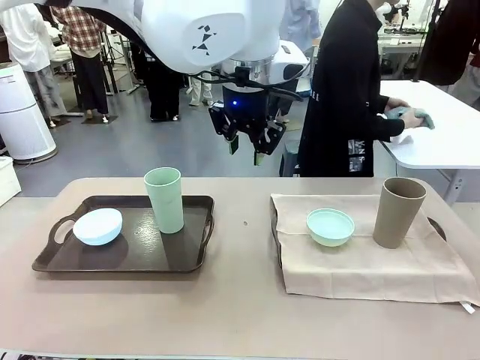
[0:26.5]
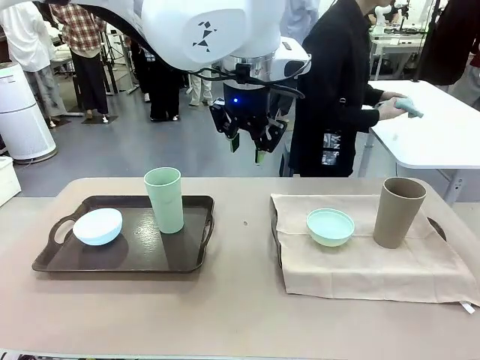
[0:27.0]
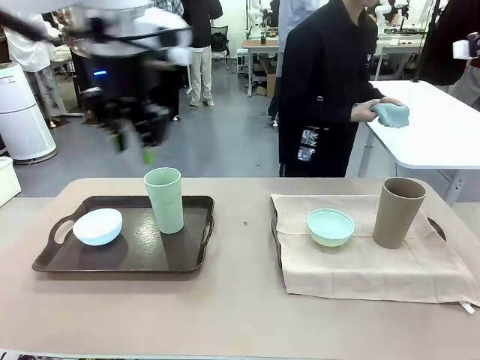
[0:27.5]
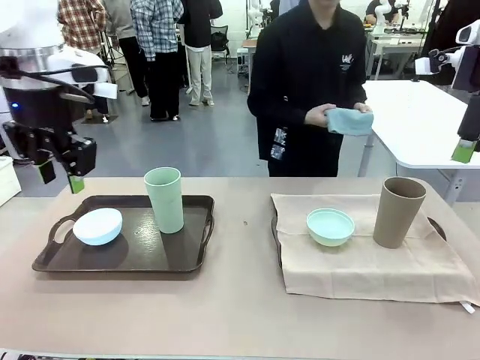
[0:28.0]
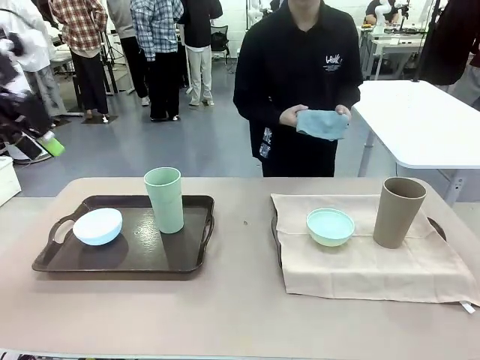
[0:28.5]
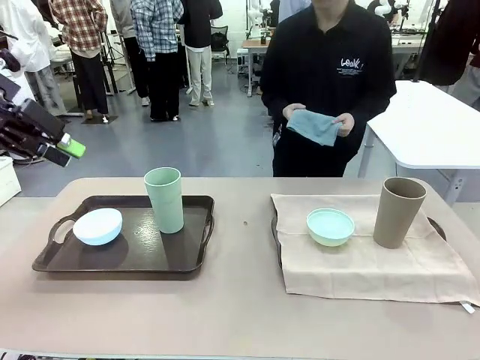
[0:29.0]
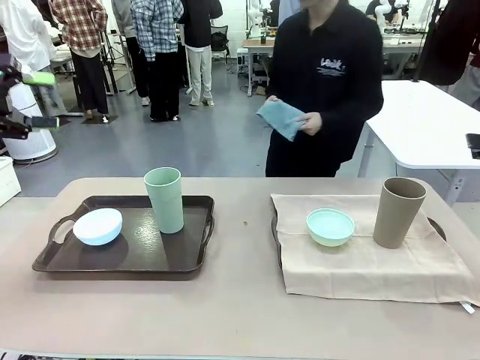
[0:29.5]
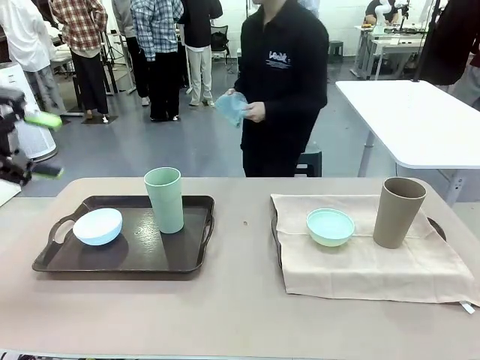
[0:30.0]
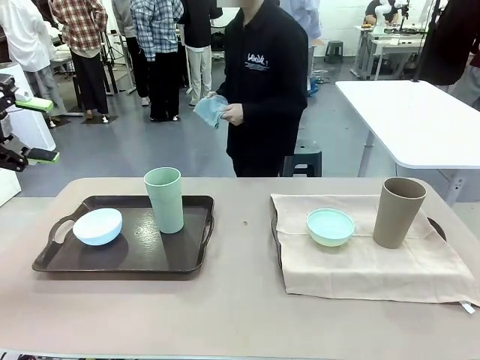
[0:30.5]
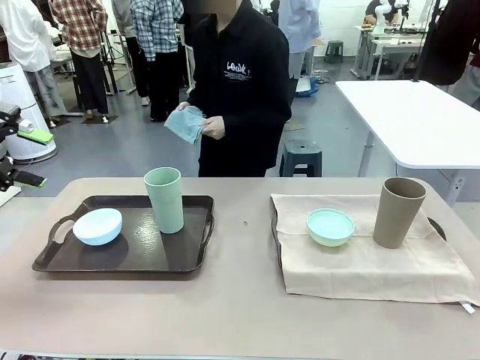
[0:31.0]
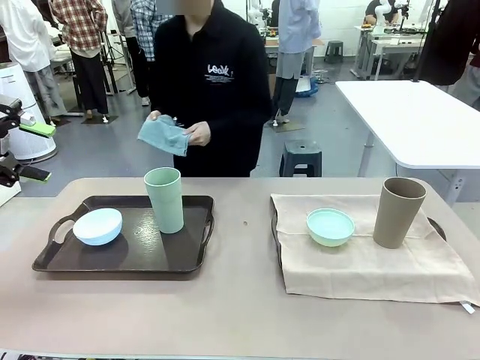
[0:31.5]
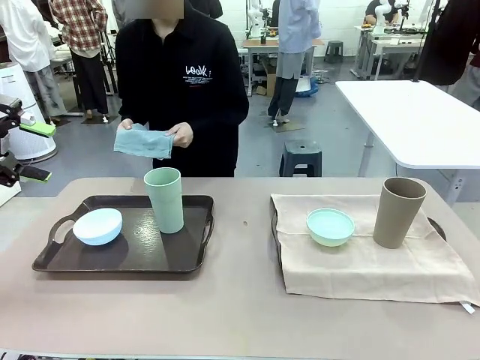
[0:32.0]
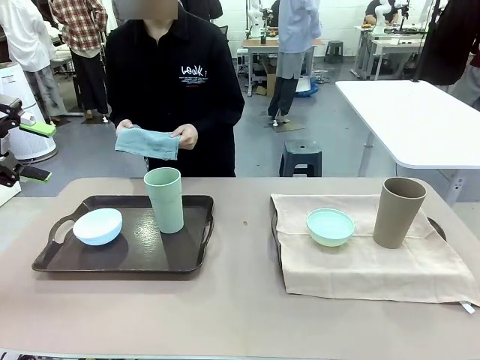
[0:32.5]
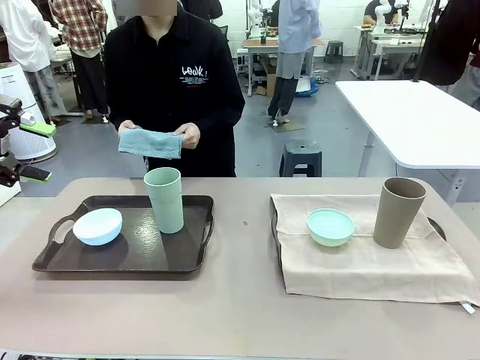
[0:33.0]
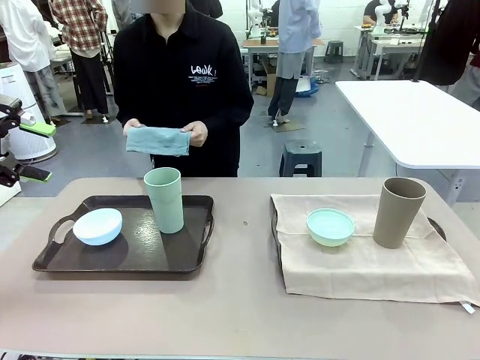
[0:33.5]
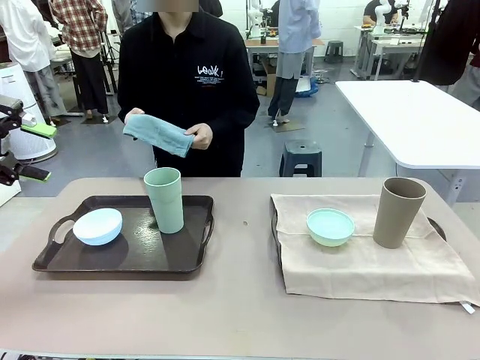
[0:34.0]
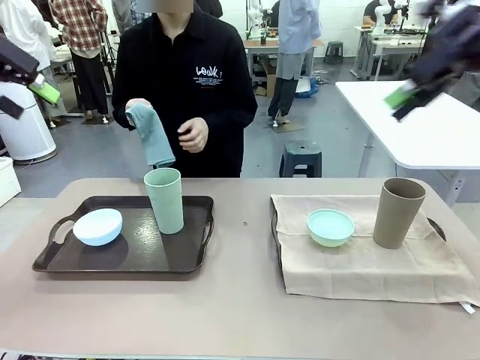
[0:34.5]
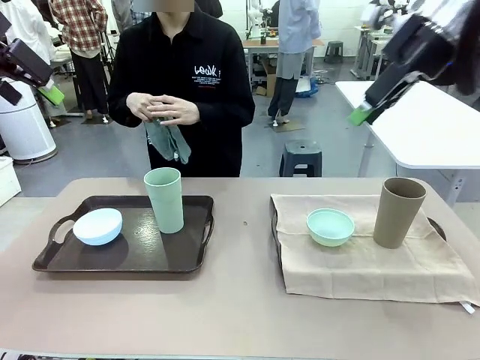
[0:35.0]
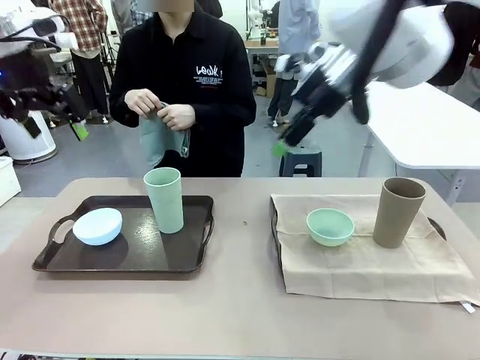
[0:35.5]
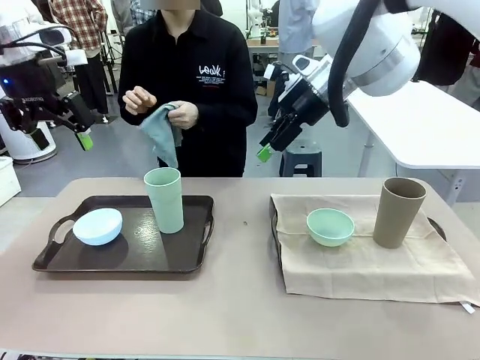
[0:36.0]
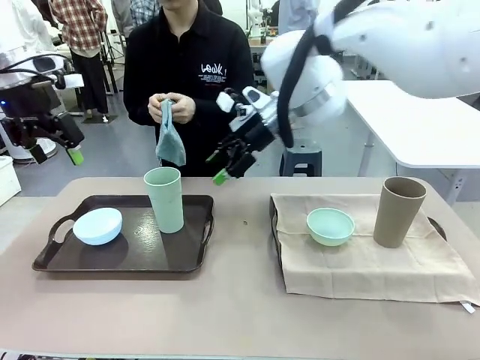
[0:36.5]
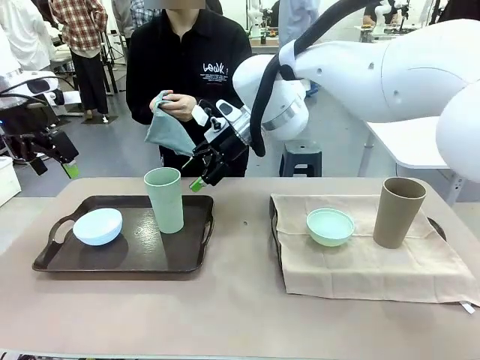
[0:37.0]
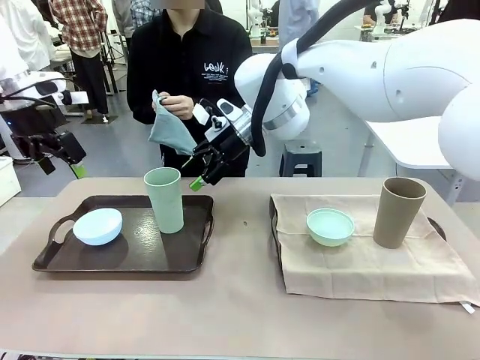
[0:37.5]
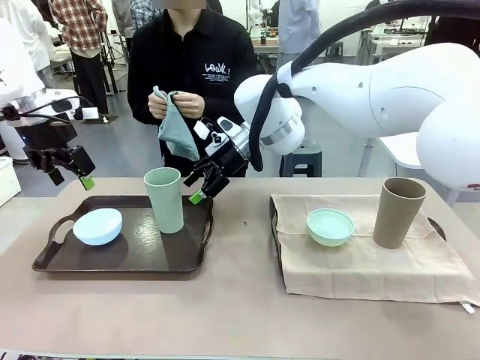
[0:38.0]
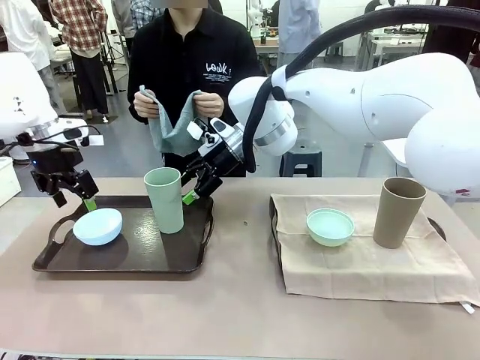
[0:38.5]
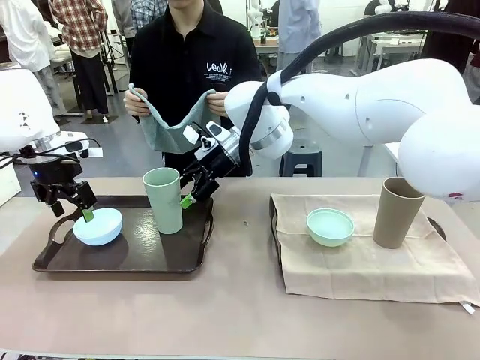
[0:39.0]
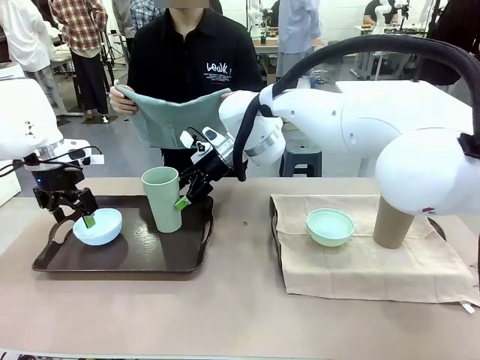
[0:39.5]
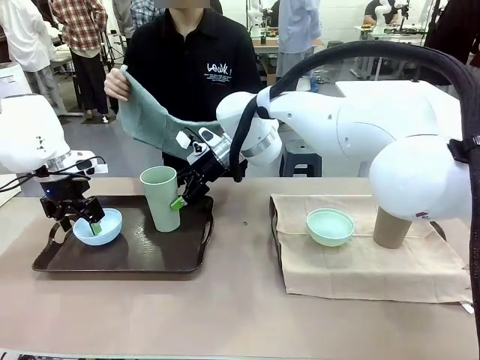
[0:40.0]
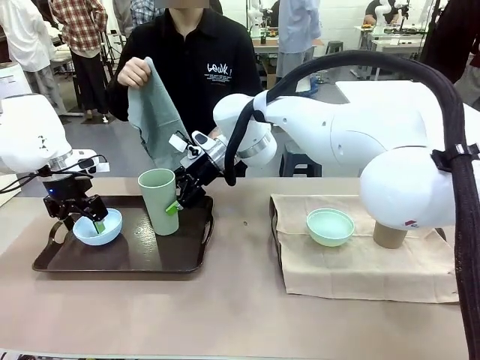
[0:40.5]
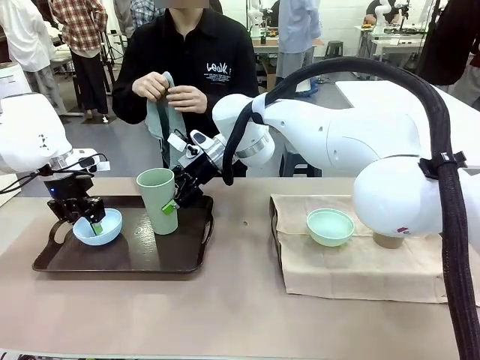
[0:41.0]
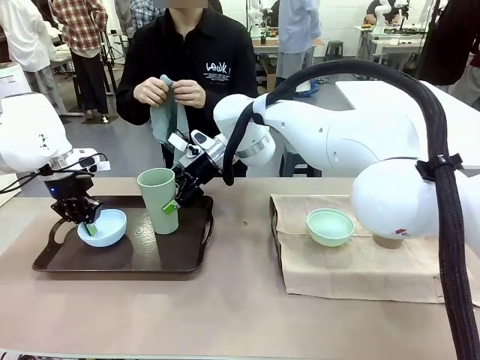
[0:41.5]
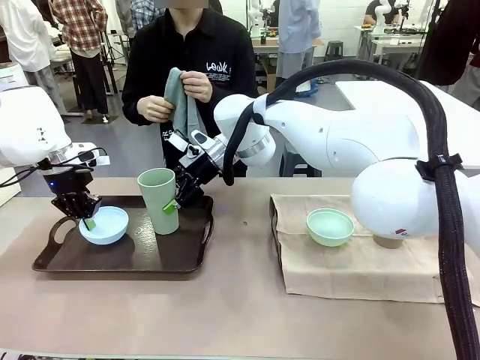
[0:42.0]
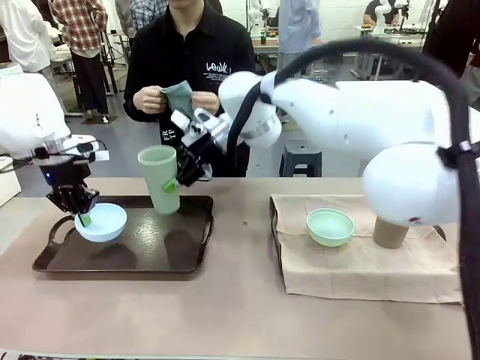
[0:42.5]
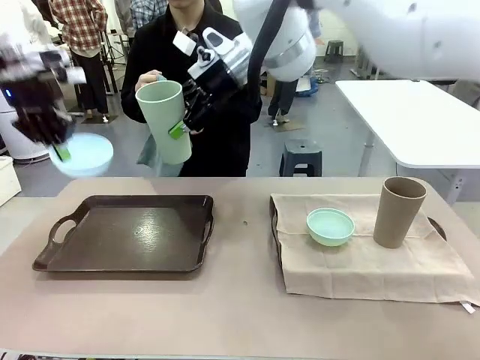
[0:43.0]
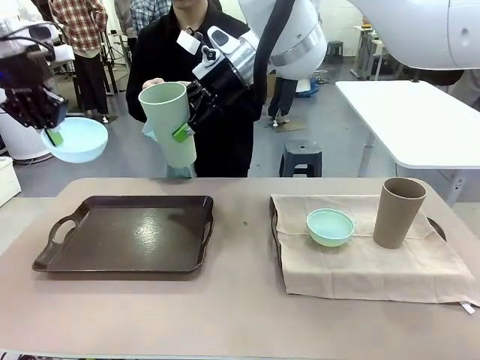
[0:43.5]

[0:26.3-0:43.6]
Robot: Pick up the Picnic Bowl and Reusable plastic cup from the Handle tray in front of the human's position and hold them in the air.
Person: The human returns to the human table to pick up another napkin and walks to the robot table to stand in front of the tray without a napkin.

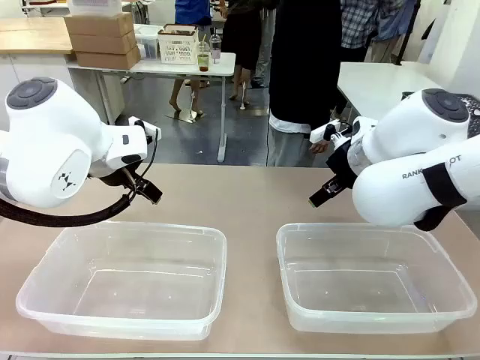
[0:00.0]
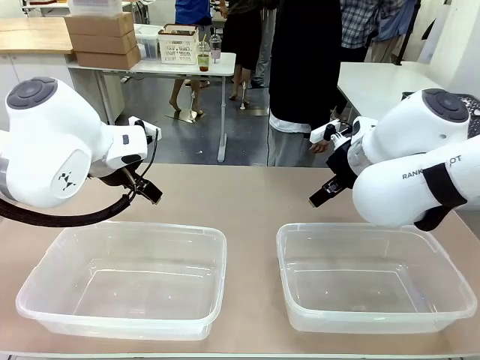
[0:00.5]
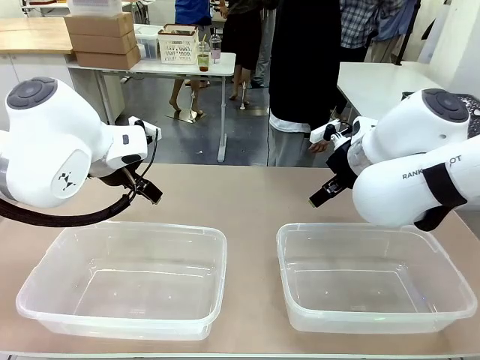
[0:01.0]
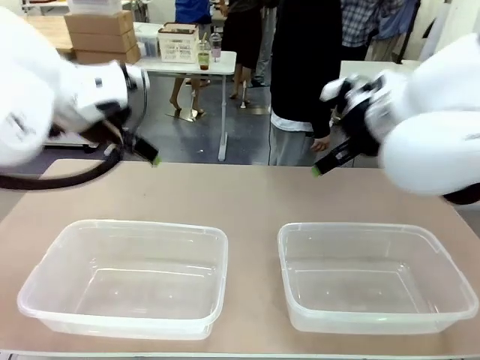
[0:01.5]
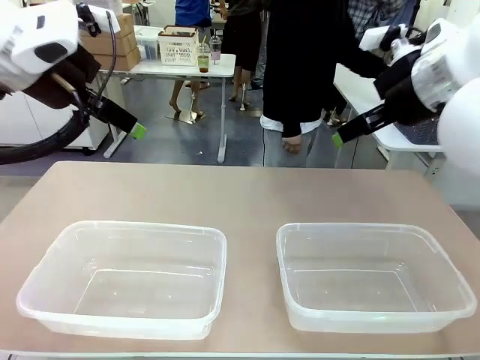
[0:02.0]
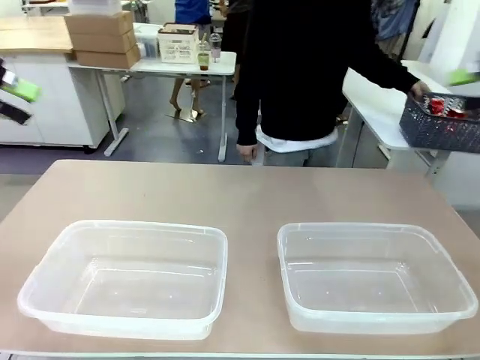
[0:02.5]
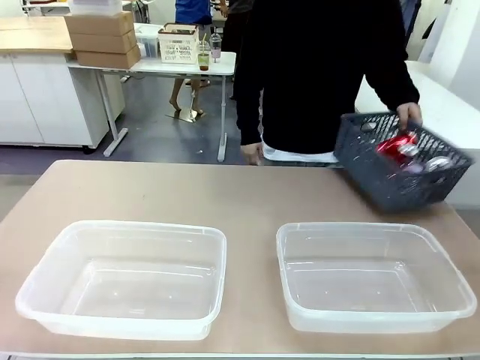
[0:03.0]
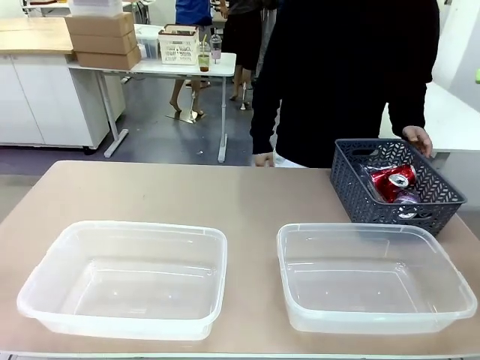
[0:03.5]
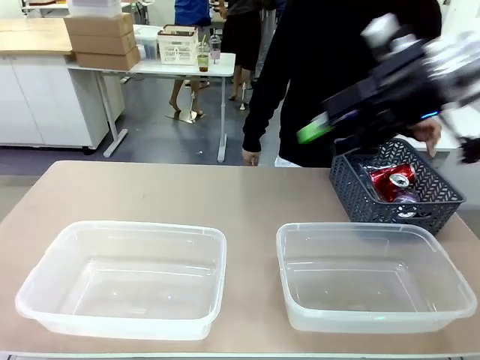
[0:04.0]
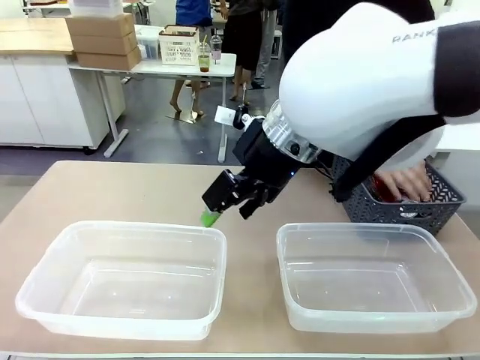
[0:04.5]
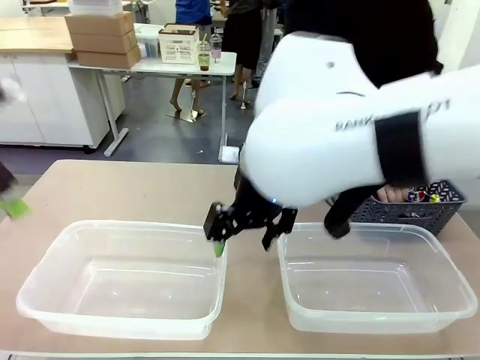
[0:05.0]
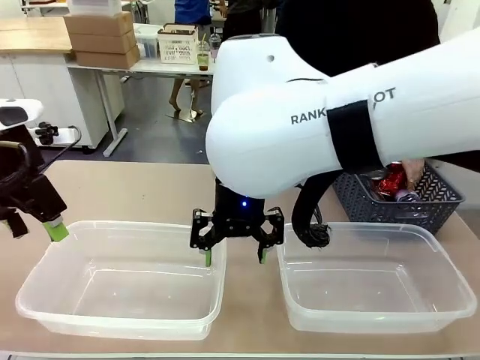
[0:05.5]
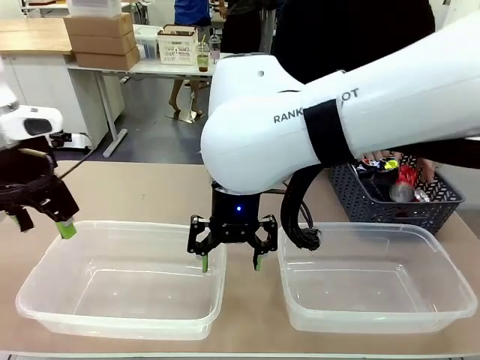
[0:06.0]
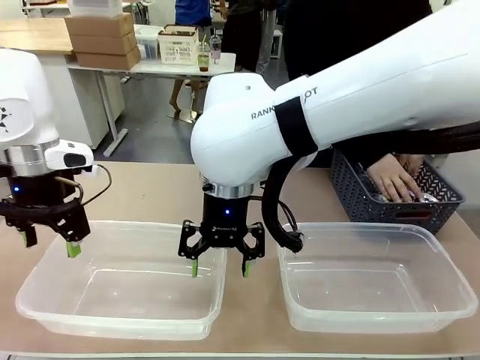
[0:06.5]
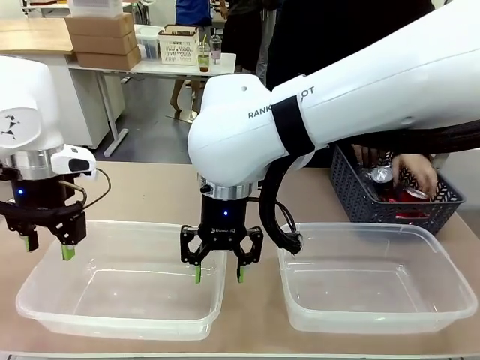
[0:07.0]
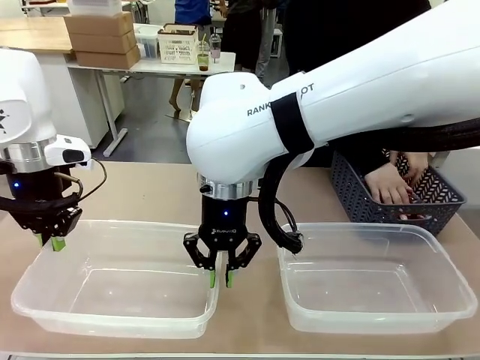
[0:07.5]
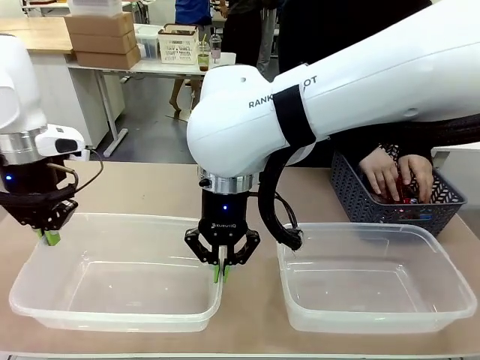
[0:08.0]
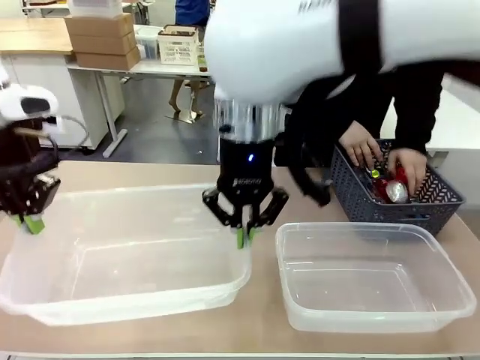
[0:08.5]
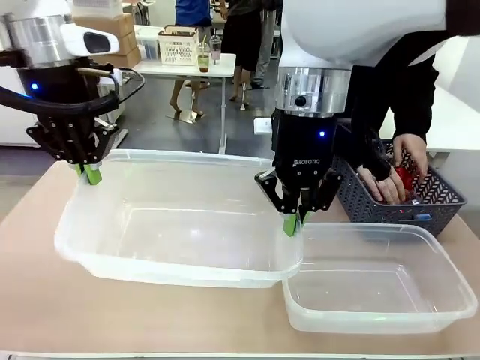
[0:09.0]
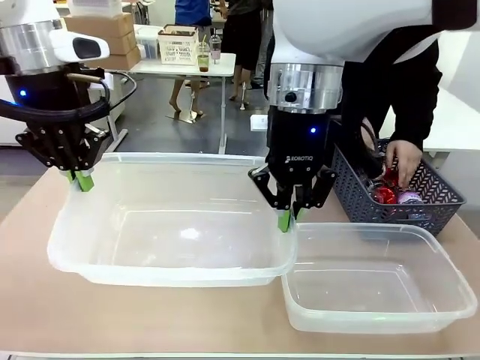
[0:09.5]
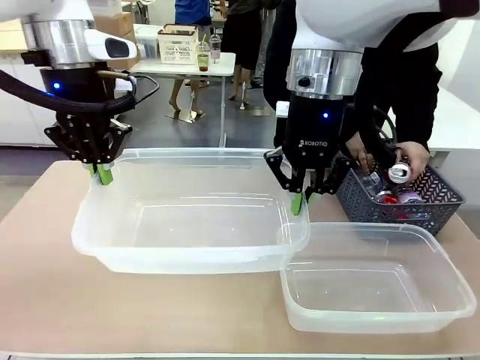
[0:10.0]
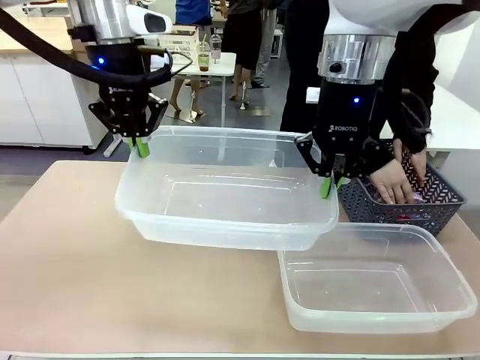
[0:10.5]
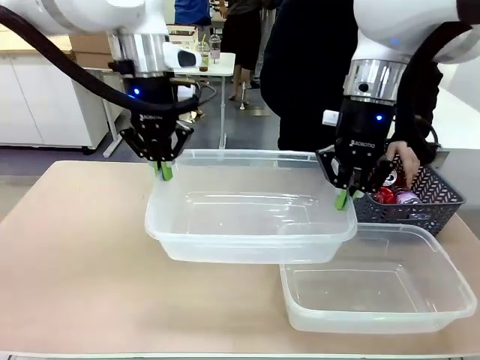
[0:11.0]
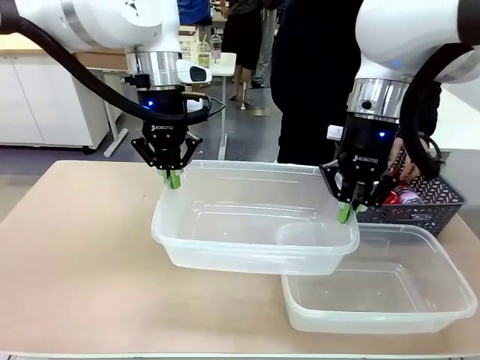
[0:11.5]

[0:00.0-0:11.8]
Robot: Pick up the Organizing box on the left side of the table and lift it.
Person: Pick up the storage basket and place it on the left side of the robot table. Pick up can-shaped waste one by one and place it into the organizing box lifted by the robot.
